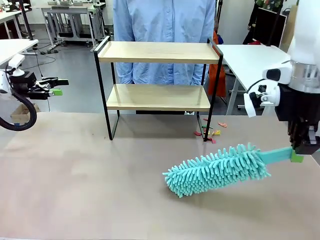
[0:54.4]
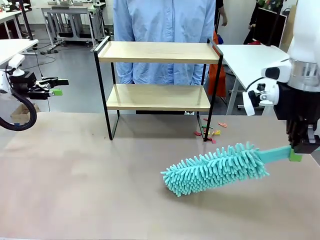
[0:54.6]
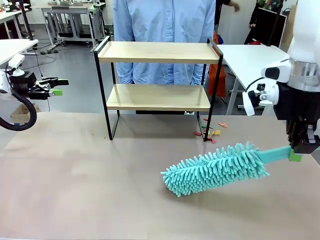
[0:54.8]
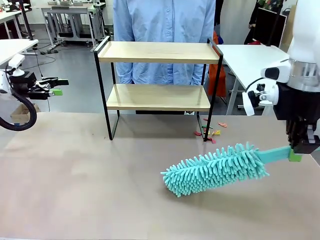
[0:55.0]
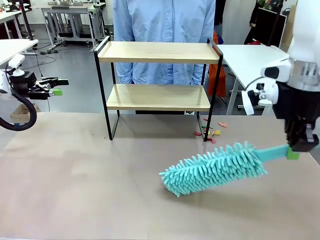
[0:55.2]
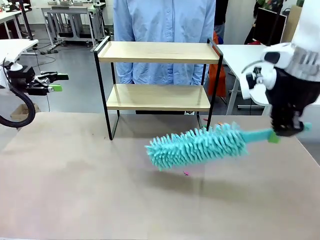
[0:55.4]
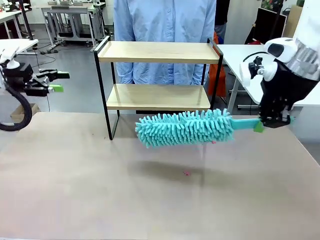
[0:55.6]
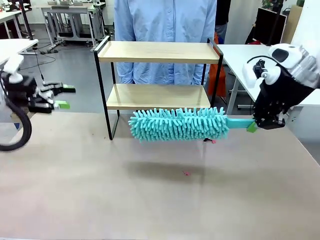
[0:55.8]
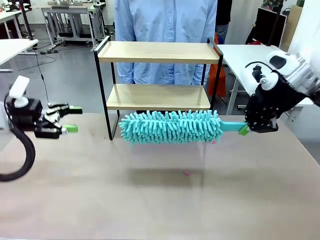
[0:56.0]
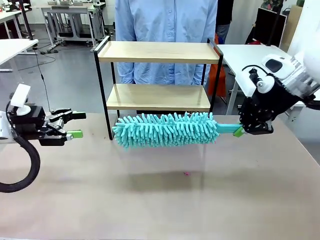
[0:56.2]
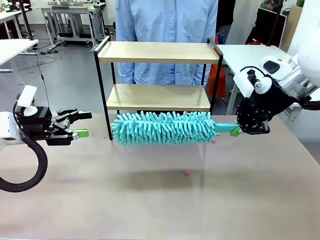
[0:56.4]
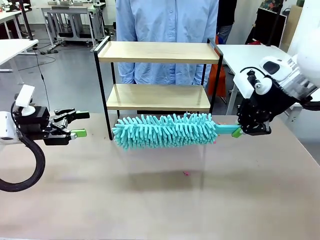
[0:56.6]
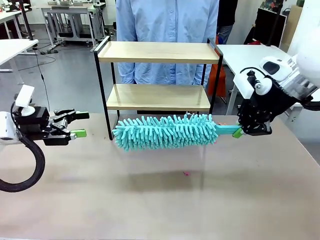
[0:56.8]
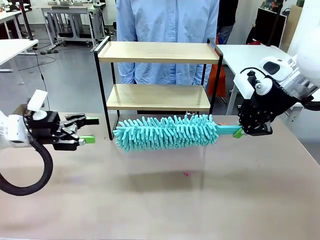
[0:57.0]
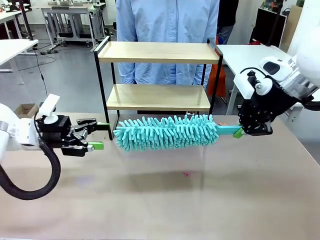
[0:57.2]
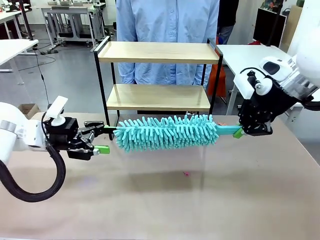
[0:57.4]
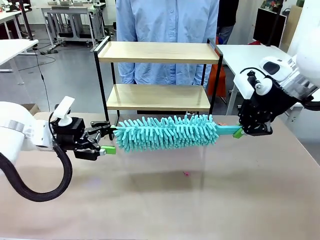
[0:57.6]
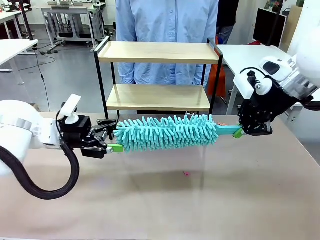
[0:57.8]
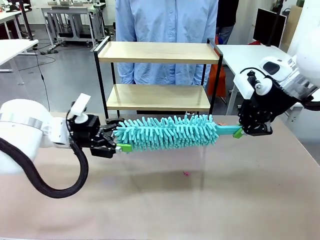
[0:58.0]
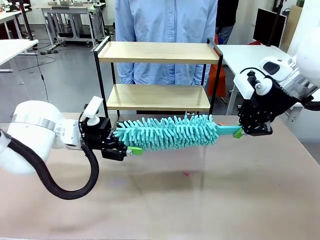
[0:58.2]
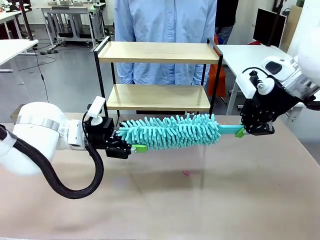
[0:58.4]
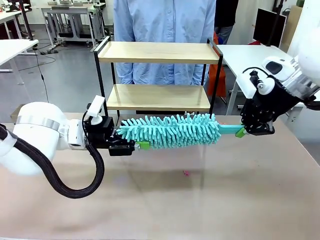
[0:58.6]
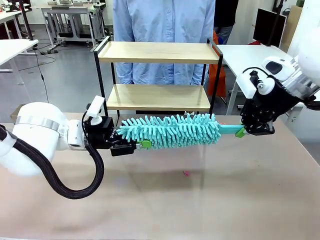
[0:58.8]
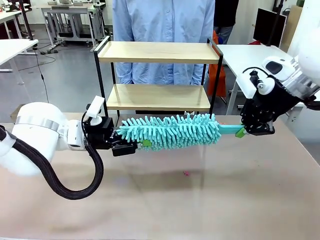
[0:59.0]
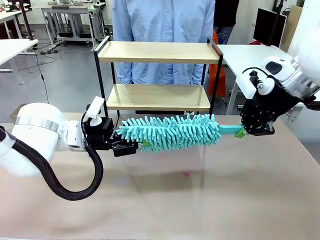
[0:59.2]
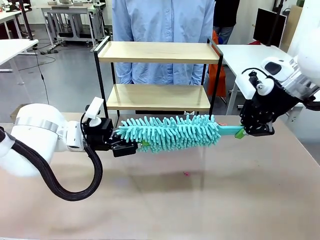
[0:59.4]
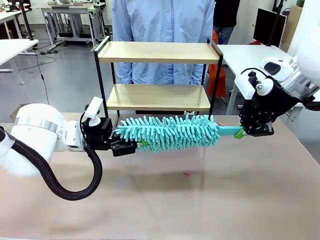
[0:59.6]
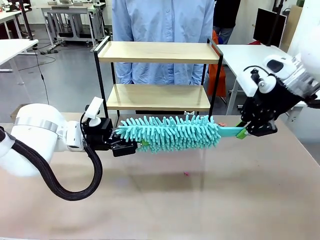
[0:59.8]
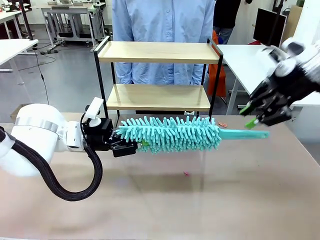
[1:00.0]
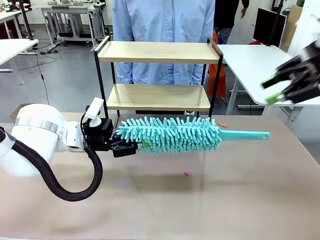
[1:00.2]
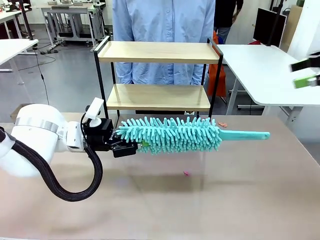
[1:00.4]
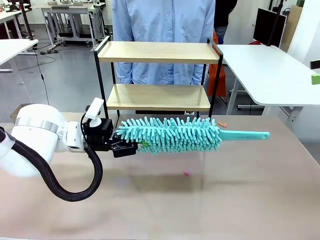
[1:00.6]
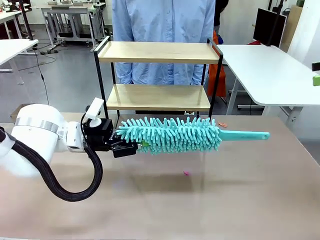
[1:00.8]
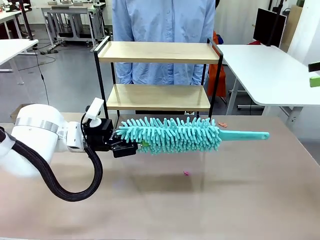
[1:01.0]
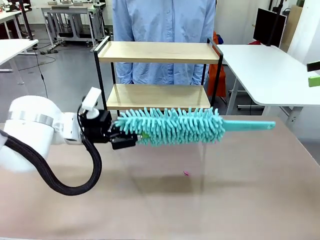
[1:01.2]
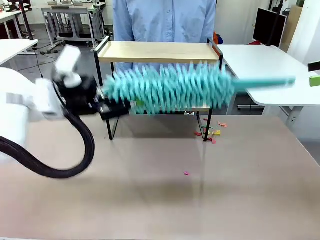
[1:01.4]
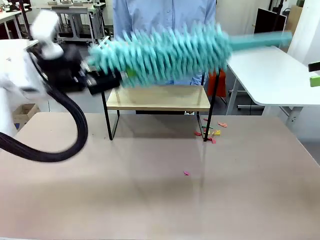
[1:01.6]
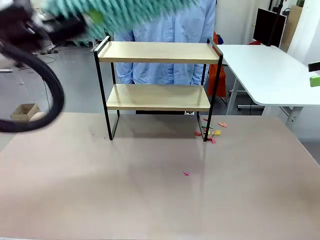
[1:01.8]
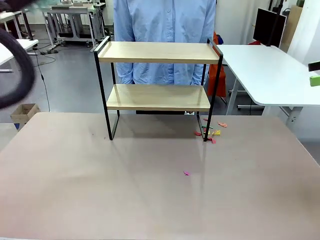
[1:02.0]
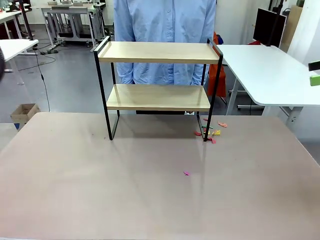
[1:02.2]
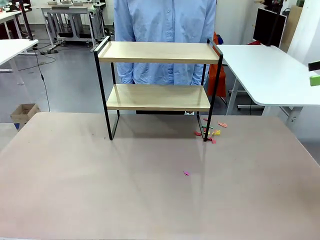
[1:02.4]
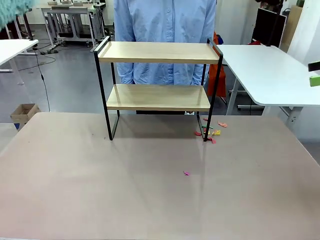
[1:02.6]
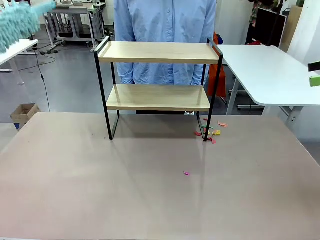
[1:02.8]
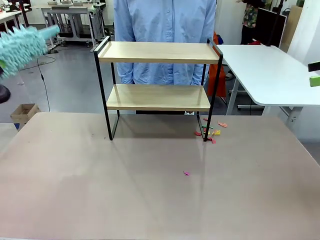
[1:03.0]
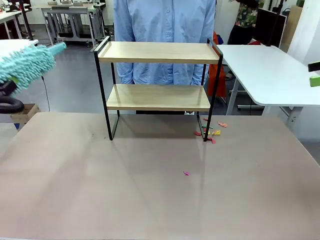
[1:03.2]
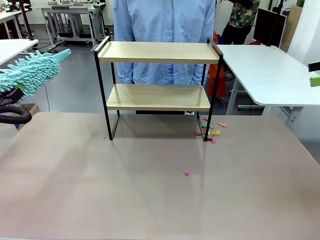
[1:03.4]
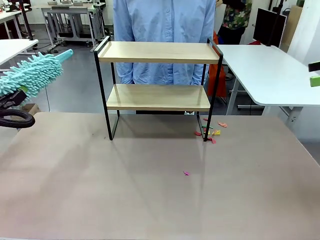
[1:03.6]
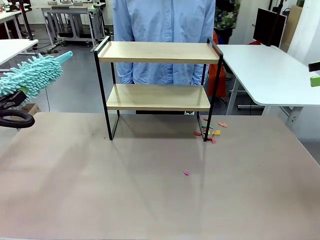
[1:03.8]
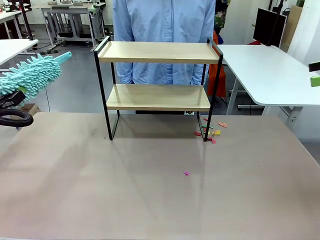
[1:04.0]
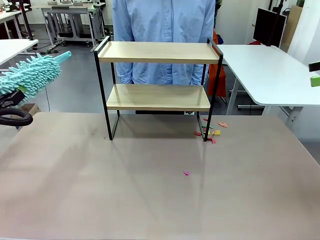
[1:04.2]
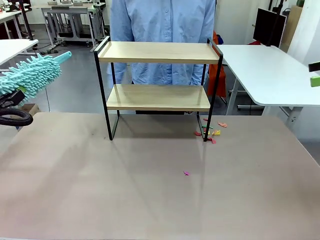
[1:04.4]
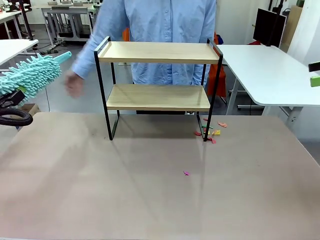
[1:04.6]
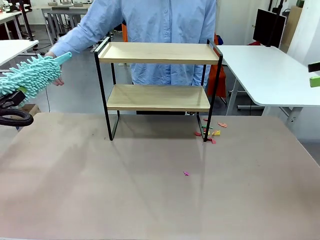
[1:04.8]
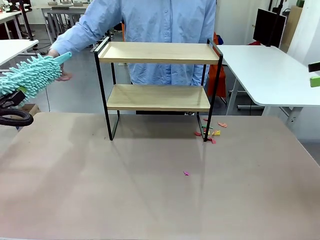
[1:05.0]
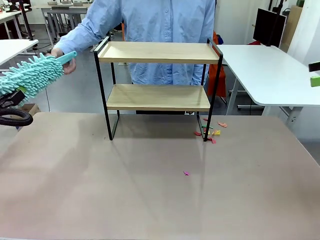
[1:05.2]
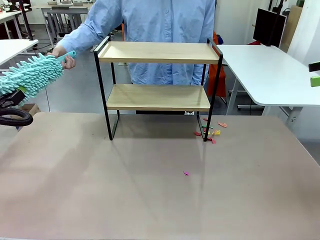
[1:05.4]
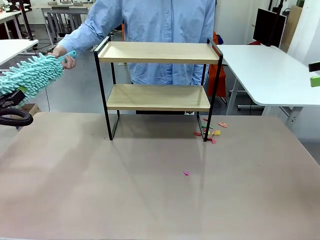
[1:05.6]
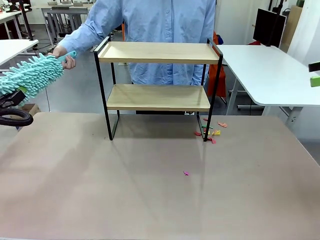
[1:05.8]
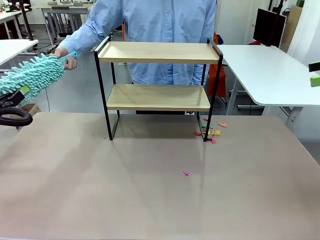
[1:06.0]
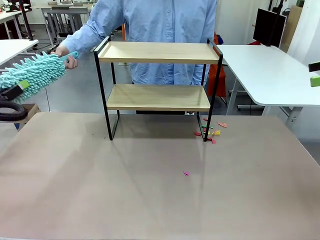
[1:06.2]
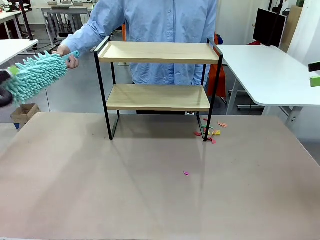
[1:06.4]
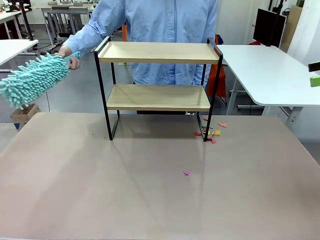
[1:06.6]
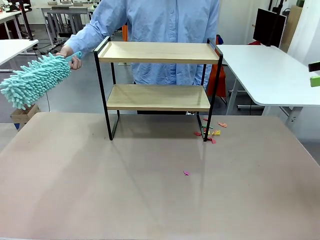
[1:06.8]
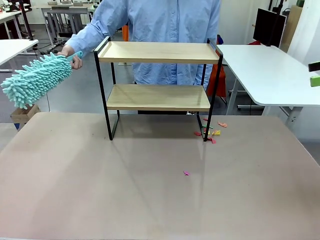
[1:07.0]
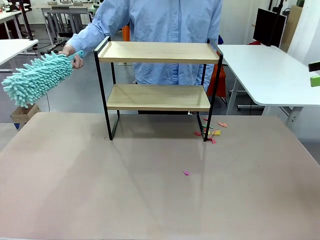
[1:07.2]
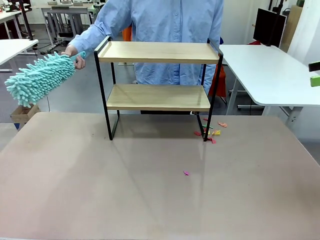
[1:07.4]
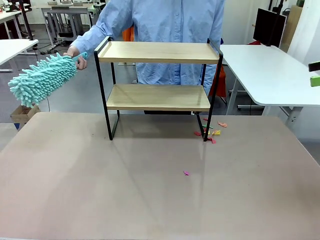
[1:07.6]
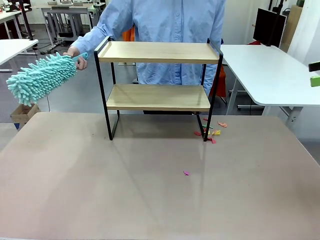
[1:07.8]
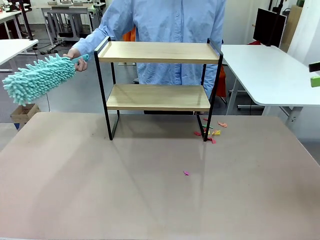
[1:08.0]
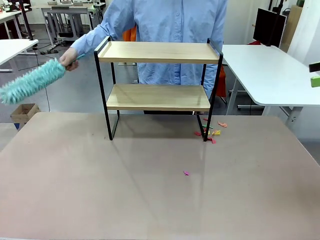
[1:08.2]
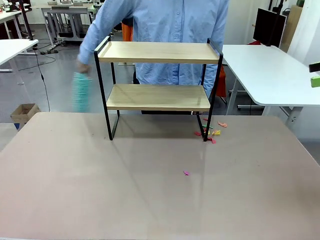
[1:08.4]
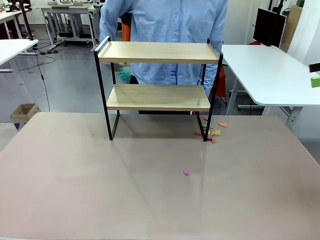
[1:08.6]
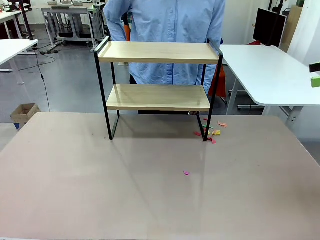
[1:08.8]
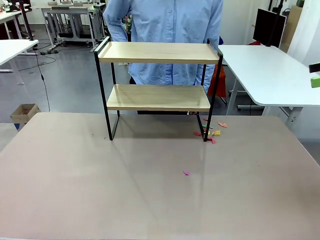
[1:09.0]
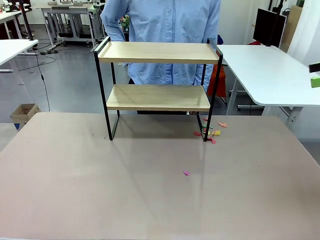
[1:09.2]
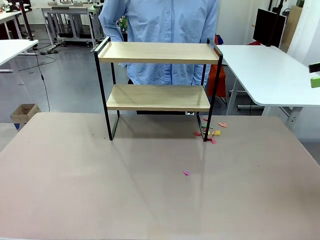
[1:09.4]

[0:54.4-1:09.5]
Task: Clean the shelf.
Robot: Hand the Duster back to the human.
Person: Receive the Duster from the robot.

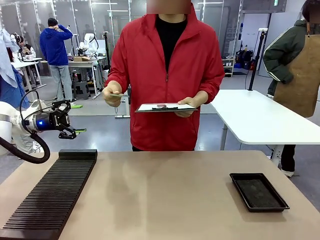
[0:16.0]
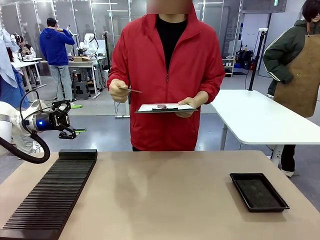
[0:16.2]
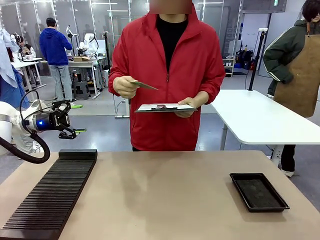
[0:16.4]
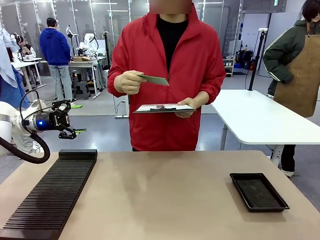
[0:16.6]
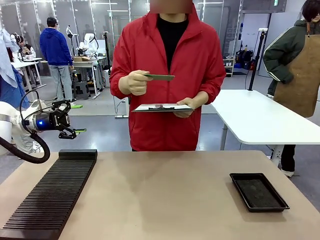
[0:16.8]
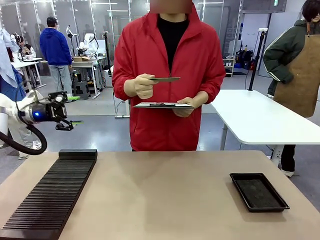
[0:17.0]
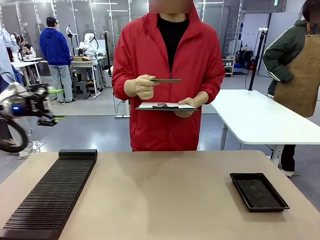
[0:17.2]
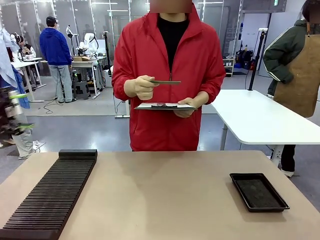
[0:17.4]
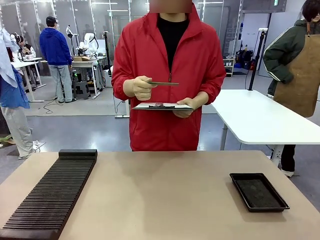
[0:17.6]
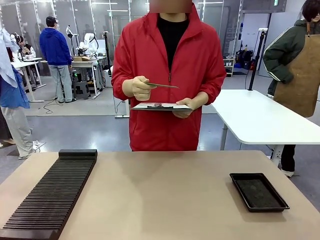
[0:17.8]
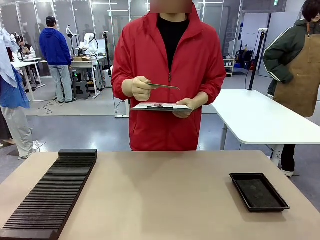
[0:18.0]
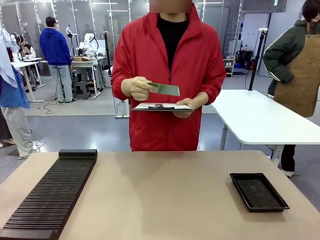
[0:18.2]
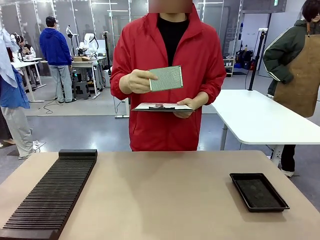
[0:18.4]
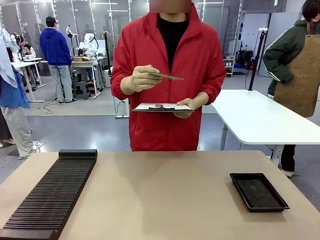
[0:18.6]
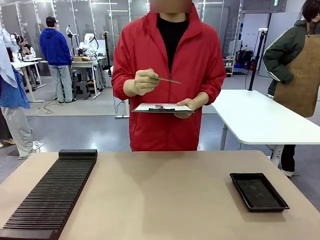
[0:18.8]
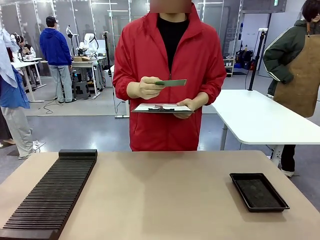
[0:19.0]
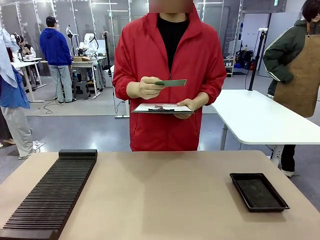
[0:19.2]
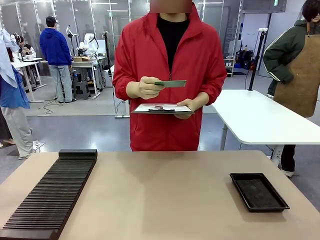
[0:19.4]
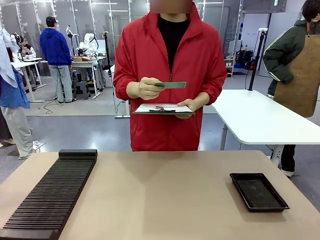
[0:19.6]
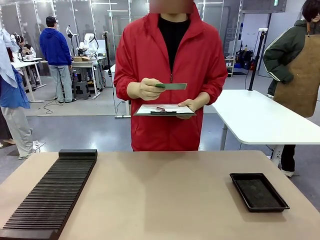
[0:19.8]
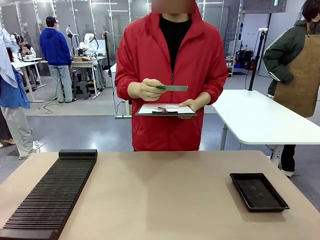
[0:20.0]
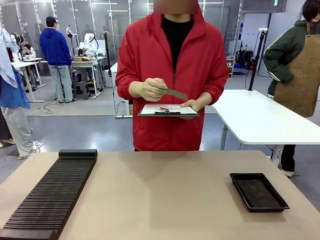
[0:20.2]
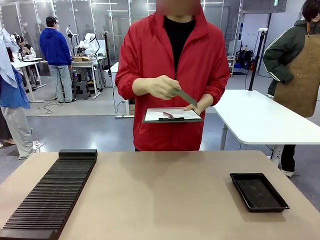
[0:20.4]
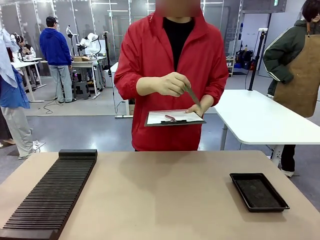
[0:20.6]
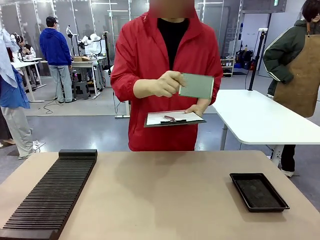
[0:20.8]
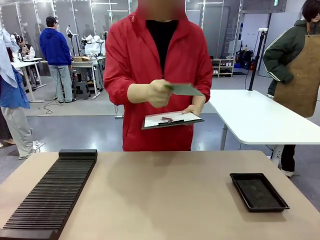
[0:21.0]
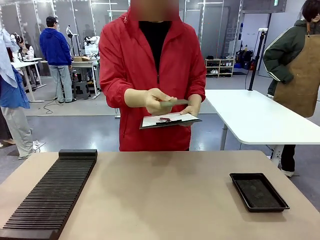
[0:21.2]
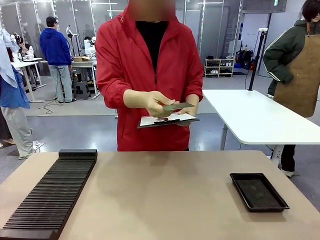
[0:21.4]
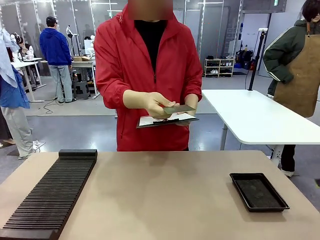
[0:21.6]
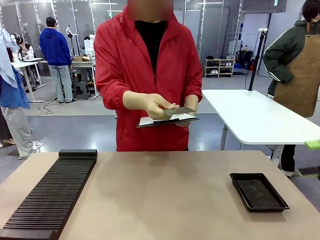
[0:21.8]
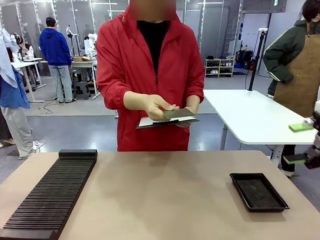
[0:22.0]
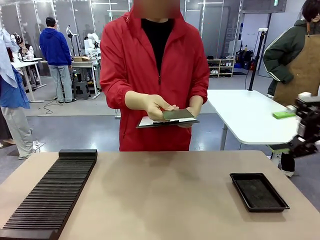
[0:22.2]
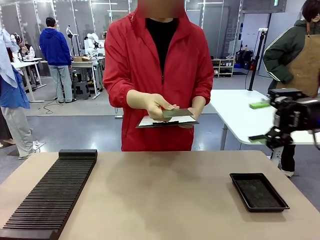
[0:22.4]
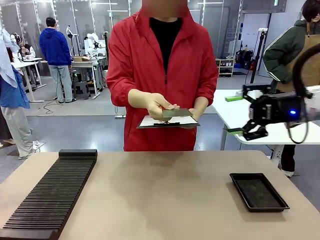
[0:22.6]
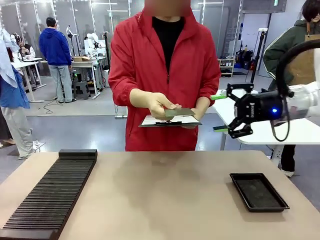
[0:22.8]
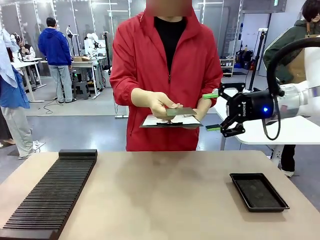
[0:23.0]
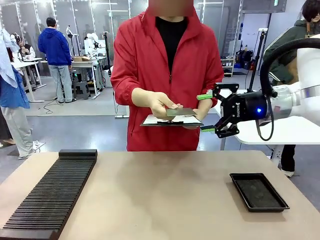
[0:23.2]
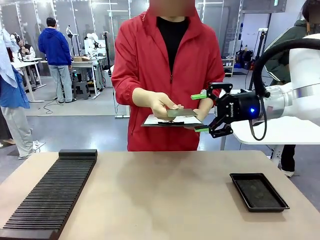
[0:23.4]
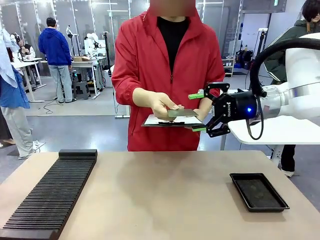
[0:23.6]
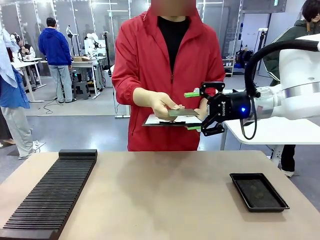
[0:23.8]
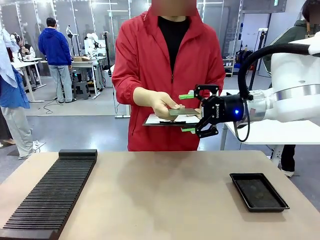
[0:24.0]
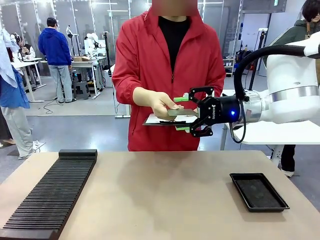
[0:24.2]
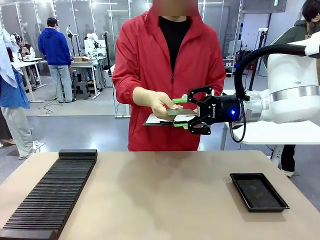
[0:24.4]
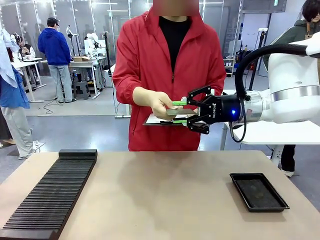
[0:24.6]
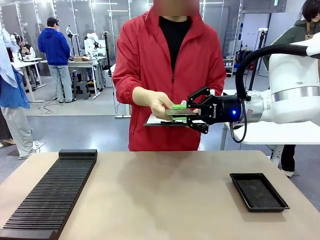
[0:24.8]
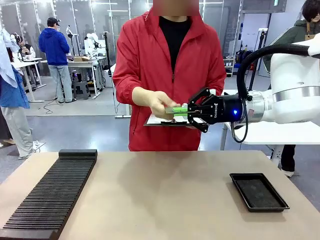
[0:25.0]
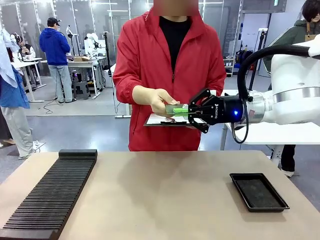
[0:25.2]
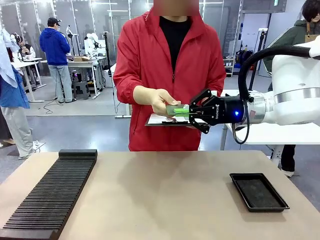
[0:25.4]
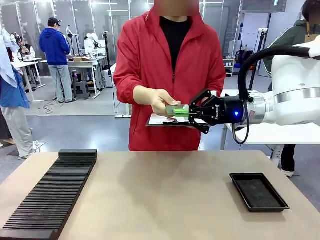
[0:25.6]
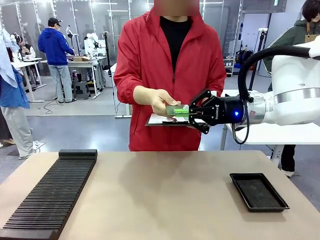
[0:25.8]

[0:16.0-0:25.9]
Task: Inspect the PCB.
Robot: Pick up the Blank PCB that the human is holding.
Person: Inspect the PCB placed by the robot, then hold it out in front of the robot. Release the PCB you were holding.
